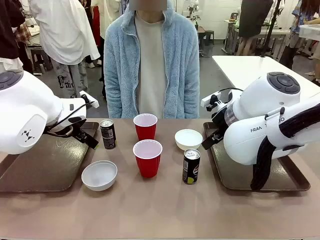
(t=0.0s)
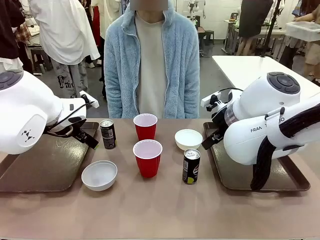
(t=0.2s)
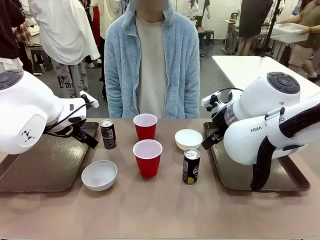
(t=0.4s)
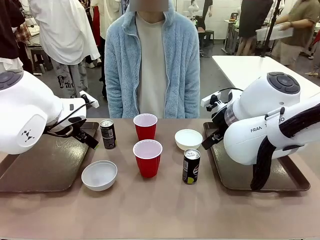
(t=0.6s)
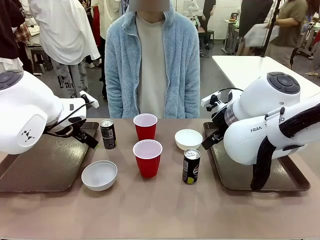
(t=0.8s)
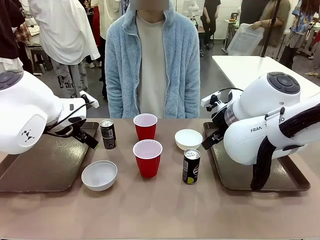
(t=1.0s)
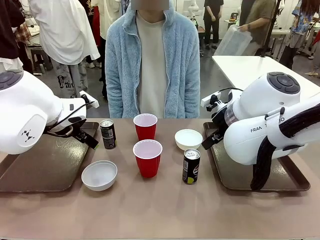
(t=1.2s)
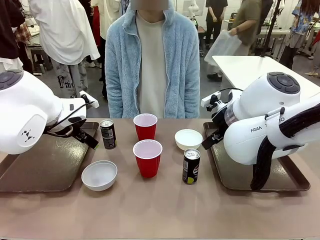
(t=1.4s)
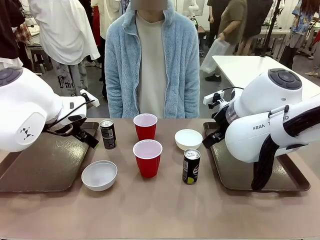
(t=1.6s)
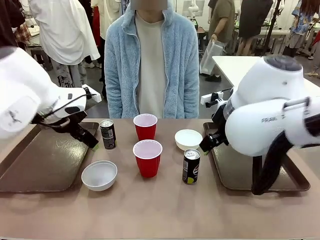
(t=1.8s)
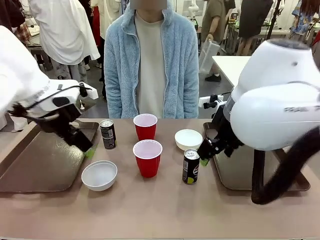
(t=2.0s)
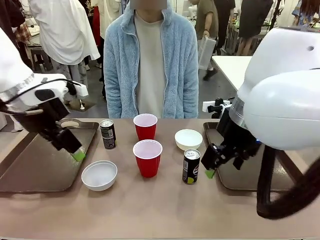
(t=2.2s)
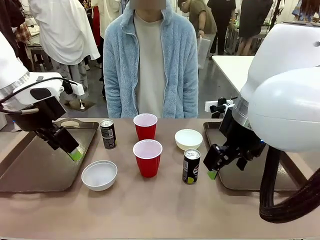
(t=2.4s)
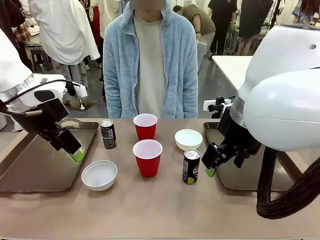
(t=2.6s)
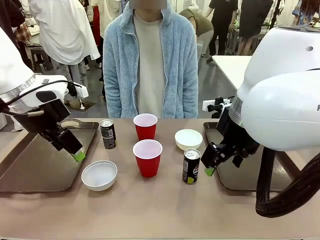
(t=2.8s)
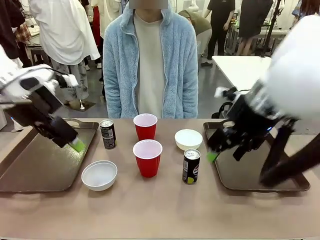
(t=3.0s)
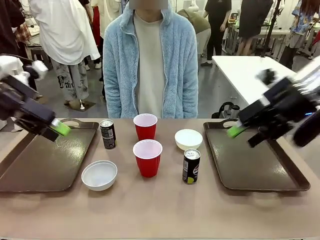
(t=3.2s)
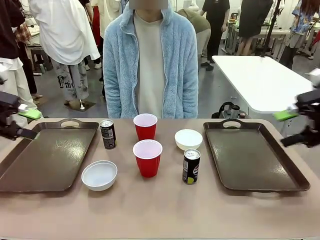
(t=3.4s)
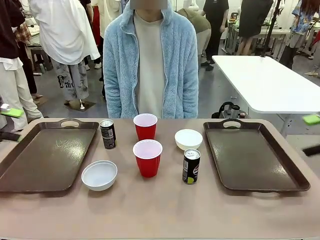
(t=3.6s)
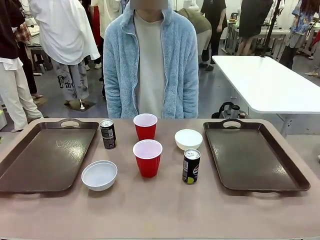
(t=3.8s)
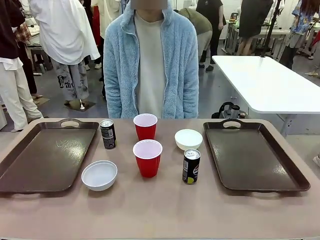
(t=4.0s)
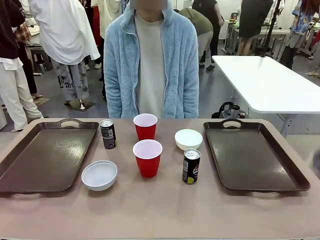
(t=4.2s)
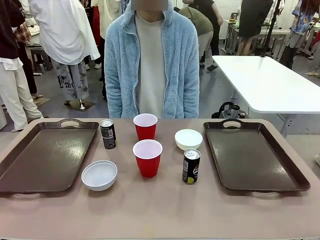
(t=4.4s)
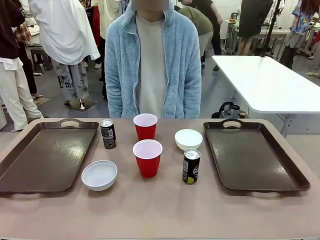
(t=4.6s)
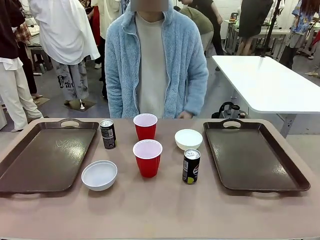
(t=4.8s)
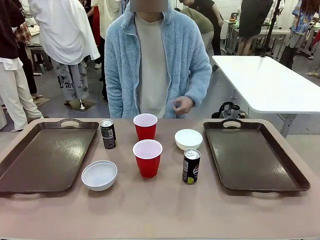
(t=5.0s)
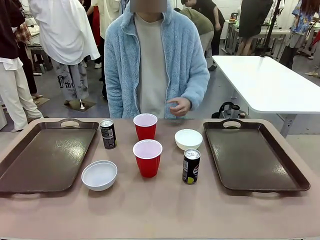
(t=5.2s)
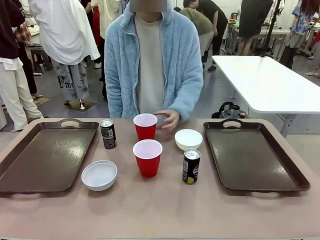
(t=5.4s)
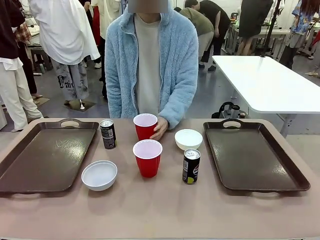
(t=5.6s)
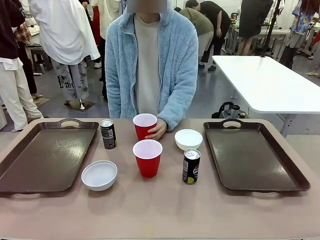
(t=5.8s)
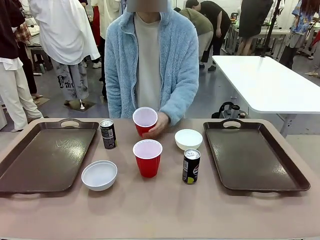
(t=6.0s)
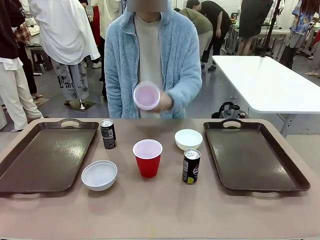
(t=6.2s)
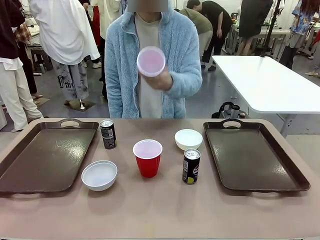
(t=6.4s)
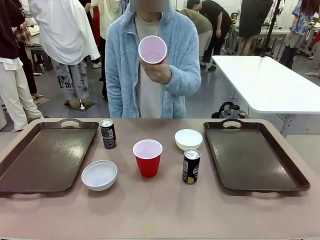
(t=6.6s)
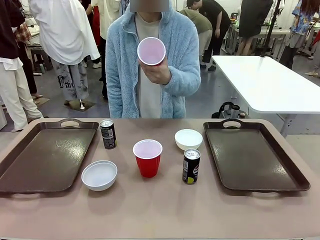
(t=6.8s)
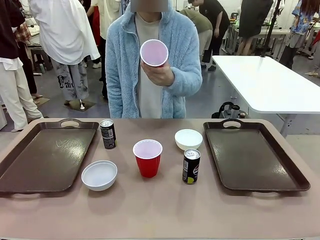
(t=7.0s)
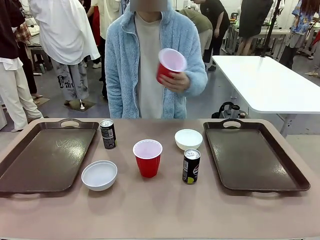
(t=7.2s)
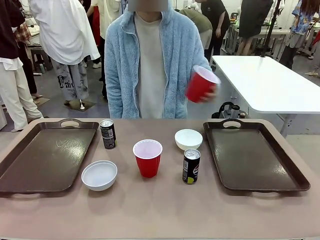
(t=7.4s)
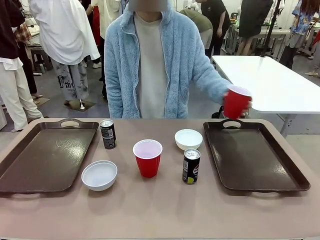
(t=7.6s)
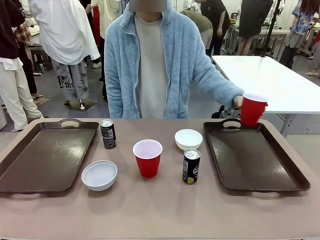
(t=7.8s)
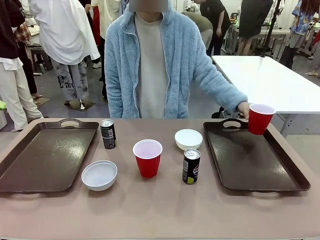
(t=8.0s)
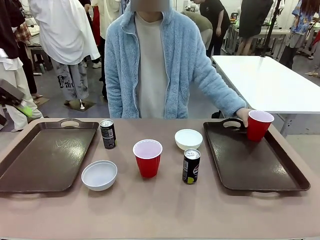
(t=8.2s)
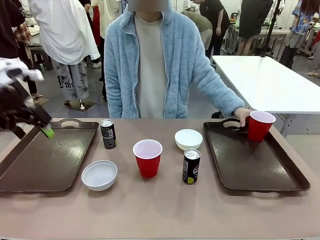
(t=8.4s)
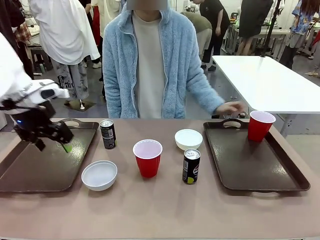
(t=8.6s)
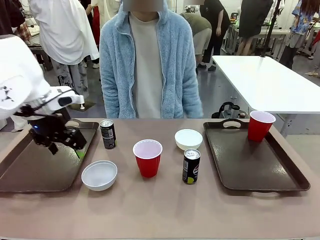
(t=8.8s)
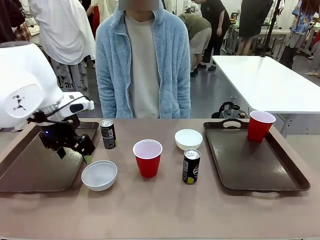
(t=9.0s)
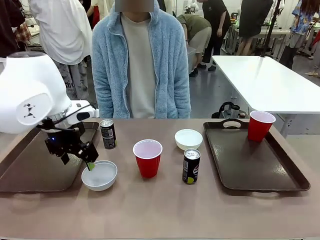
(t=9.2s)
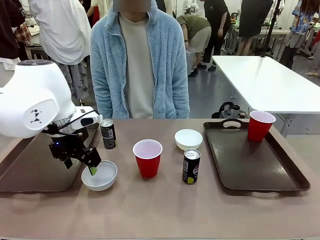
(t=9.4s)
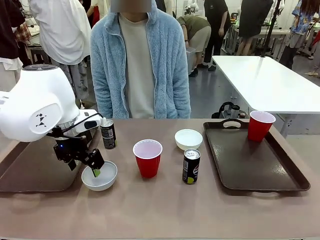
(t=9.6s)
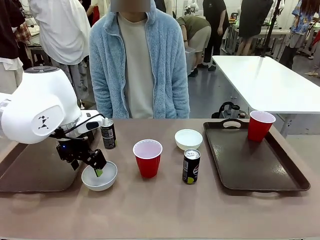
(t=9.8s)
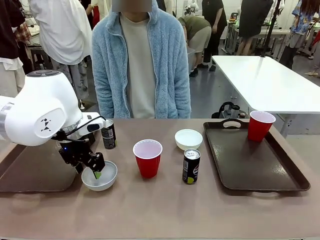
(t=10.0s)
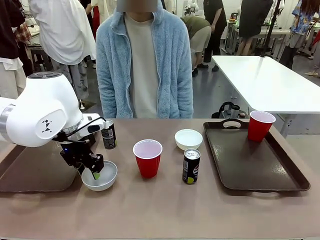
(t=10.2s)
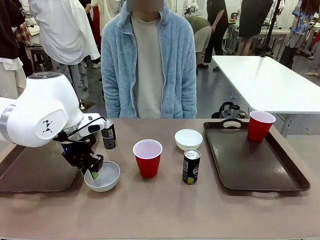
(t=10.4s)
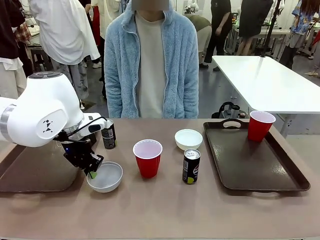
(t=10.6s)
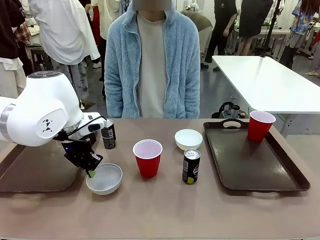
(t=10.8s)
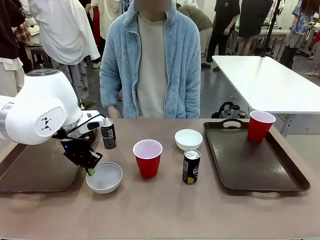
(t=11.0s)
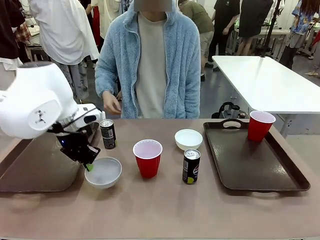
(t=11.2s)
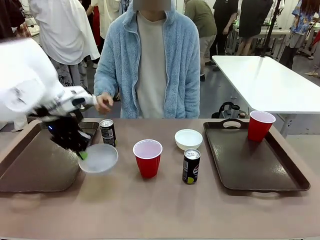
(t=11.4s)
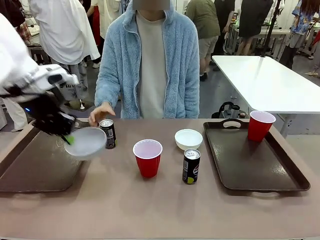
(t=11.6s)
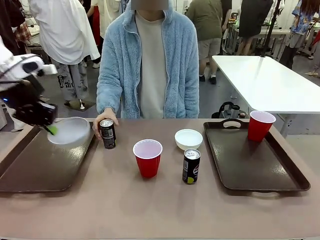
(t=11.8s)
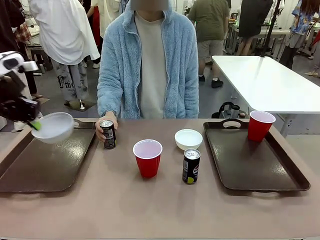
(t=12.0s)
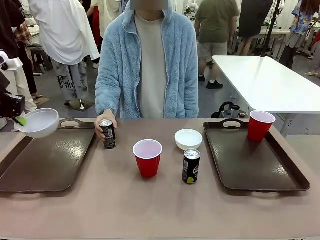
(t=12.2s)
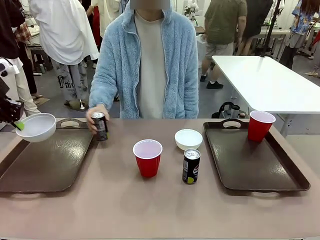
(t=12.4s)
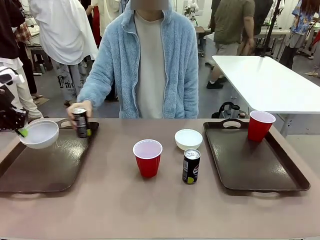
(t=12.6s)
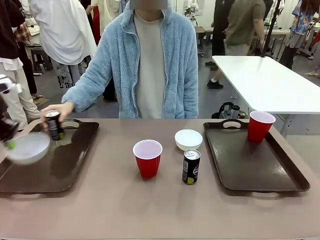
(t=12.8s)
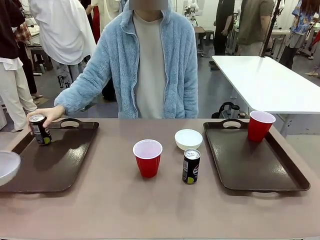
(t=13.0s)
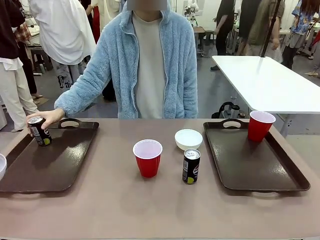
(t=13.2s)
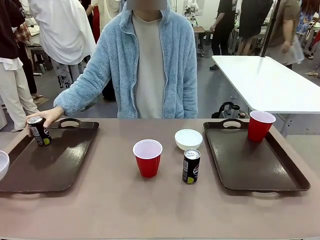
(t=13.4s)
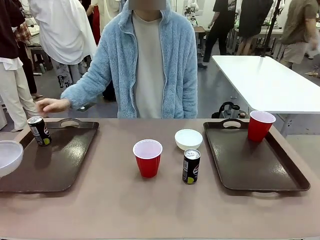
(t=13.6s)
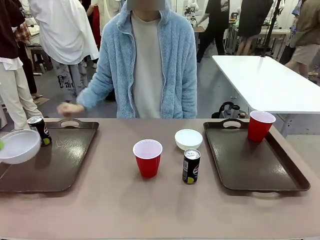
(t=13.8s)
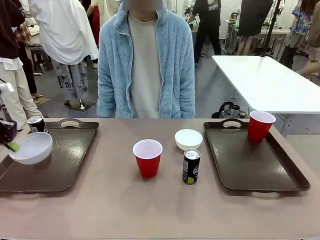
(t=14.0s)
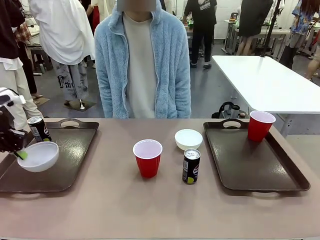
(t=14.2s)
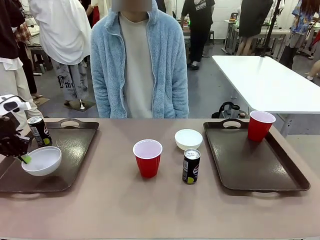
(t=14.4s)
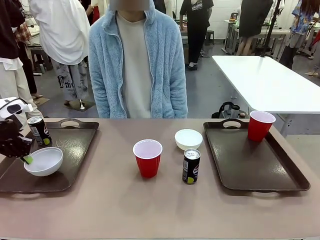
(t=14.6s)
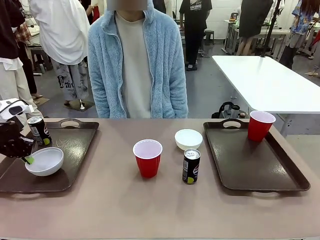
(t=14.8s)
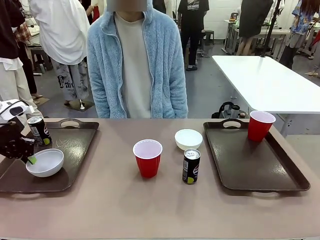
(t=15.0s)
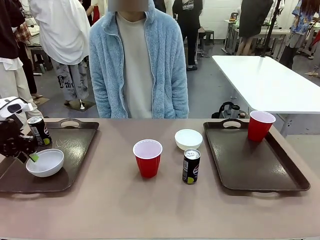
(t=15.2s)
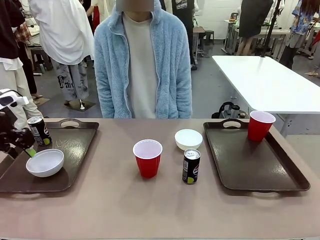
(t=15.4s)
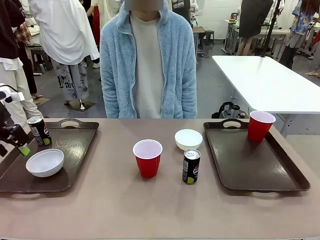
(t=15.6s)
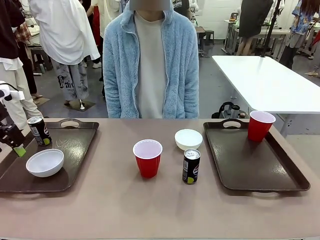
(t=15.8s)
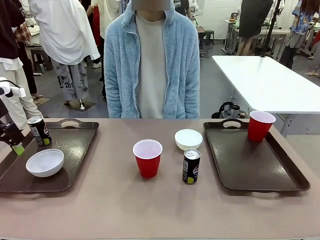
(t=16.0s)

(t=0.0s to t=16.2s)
Task: Prepare tableware on both trays.
Robot: Pick up a Picnic Bowl from the table and place it on a Handle tray.
Person: Pick up a can or cup and place it on the tray.
